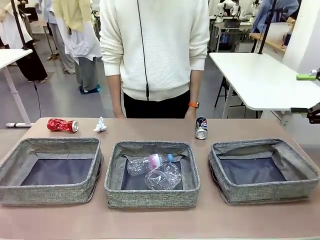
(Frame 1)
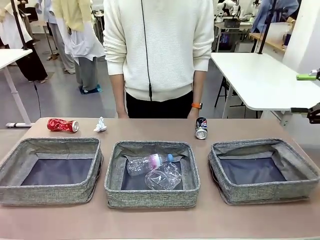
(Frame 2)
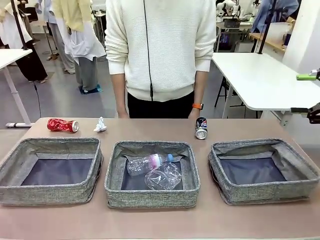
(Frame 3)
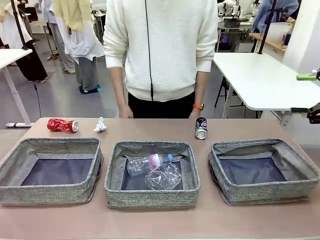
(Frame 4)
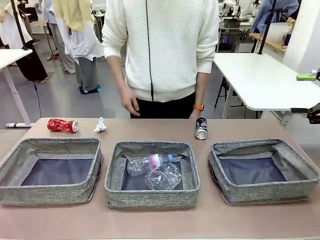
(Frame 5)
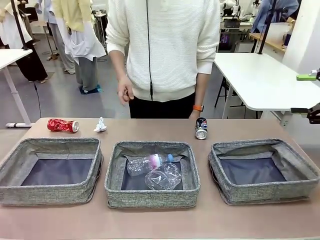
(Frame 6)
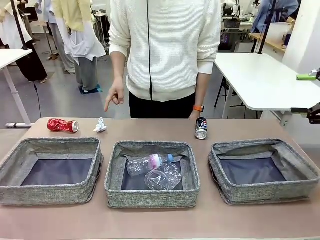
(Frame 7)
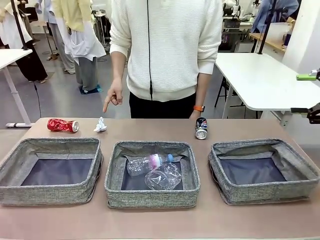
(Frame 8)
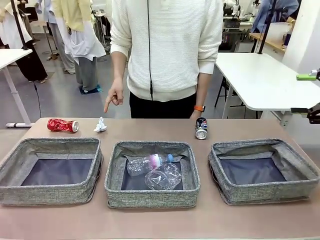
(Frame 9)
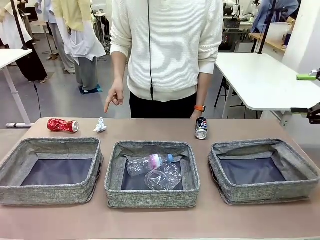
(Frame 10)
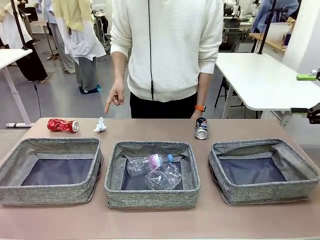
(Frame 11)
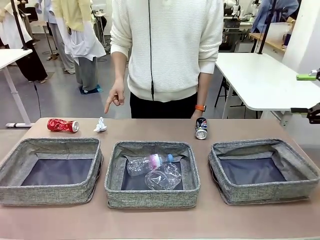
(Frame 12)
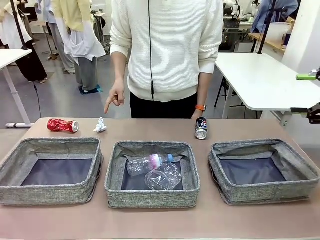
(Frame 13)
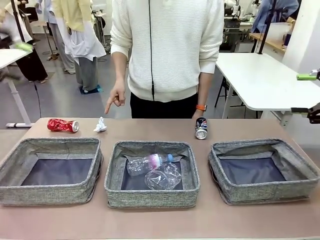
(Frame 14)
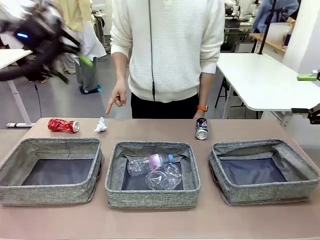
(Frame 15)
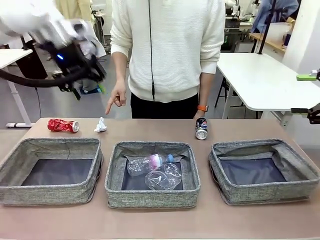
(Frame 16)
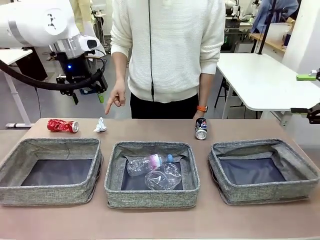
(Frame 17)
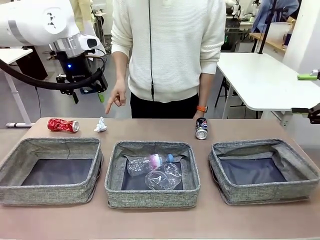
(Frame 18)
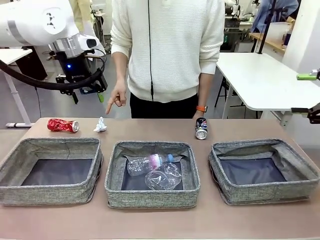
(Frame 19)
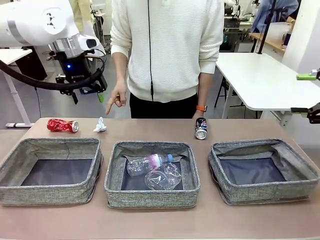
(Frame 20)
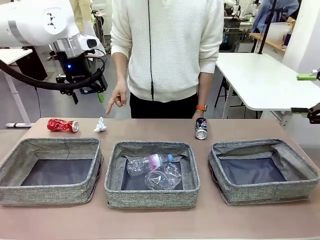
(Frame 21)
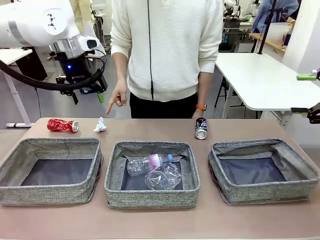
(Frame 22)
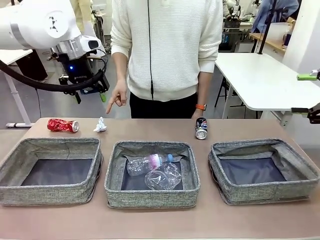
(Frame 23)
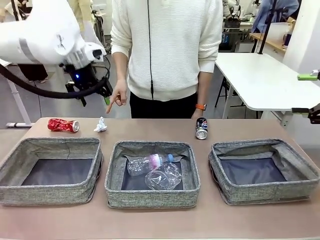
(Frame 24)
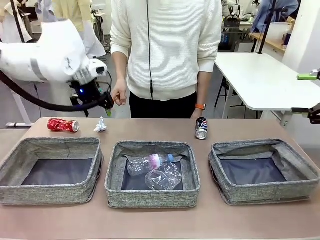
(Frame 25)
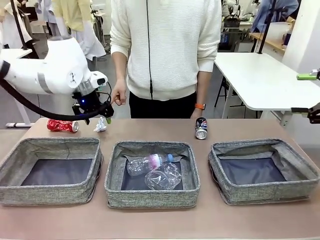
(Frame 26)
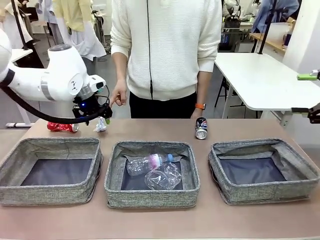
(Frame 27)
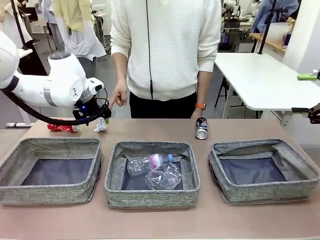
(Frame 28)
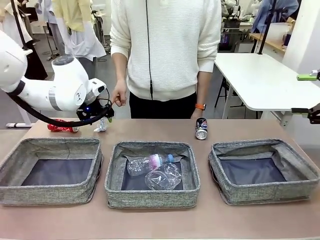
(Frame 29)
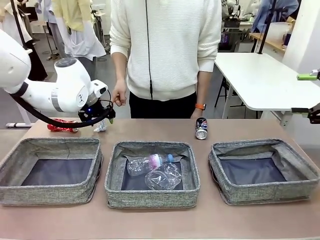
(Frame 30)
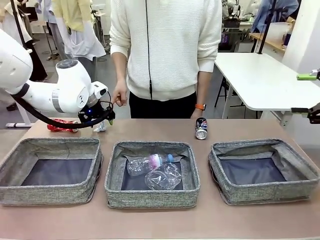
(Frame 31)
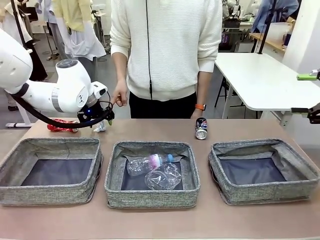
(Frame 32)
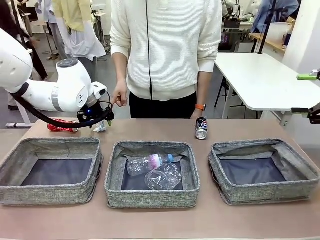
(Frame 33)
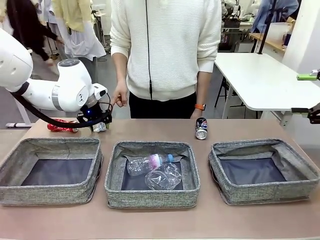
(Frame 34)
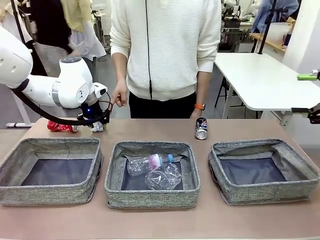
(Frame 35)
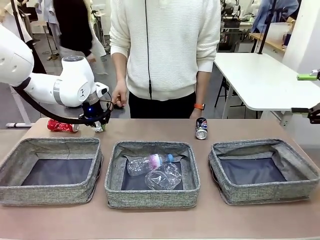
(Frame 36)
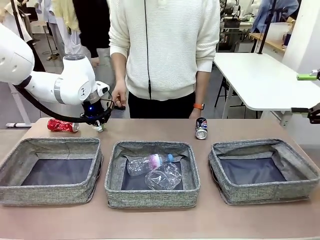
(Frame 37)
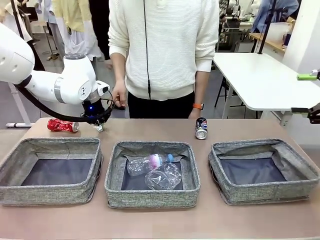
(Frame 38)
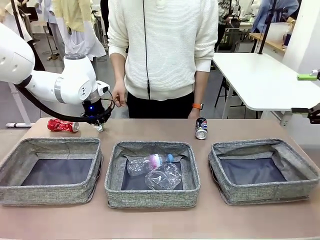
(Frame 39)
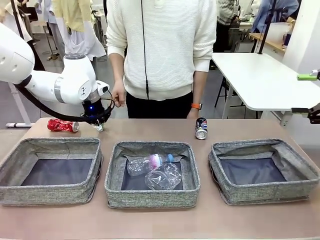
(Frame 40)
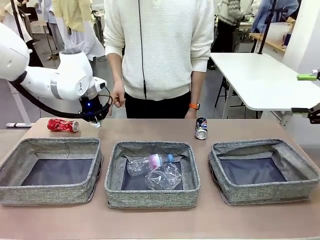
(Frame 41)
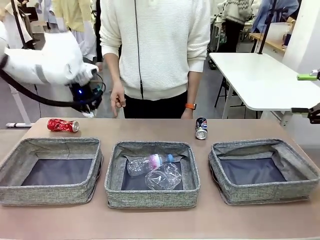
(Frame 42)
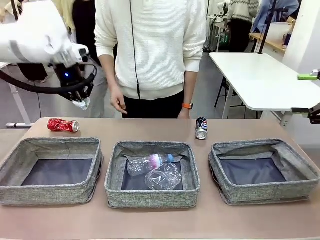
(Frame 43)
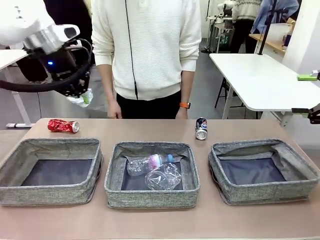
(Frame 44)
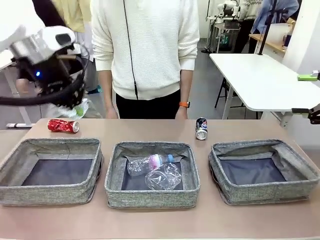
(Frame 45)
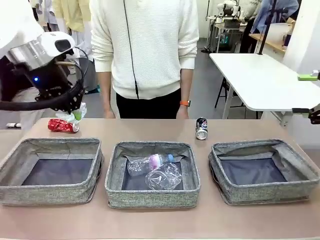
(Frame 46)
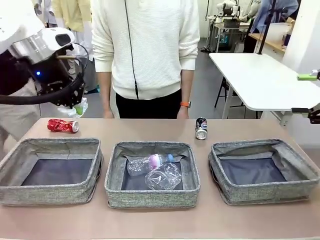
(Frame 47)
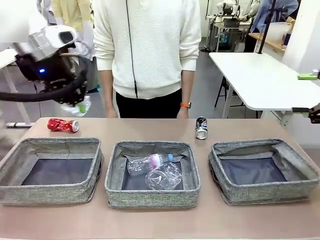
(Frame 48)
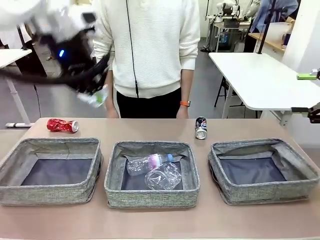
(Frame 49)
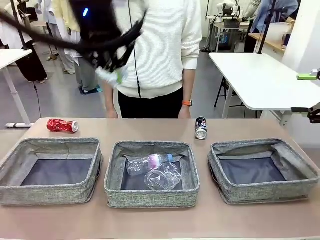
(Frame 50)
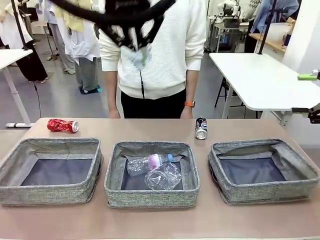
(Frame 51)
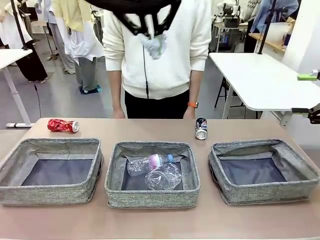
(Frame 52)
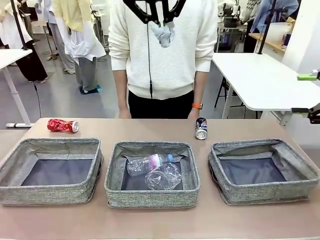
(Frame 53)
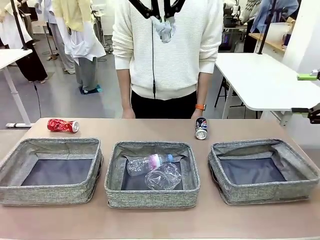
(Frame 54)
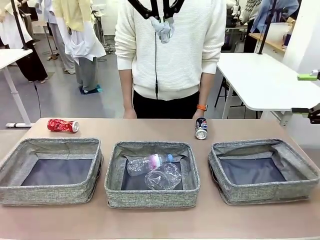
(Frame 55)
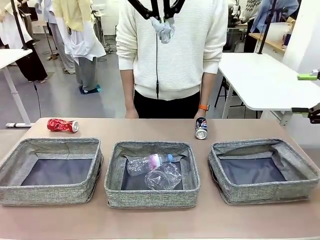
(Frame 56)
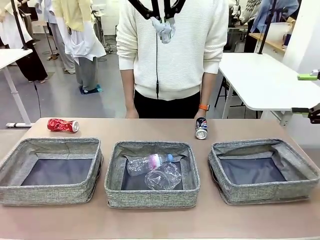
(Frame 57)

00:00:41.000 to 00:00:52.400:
Task: Sort the waste into the appropriate baskets.
Robot: Pick up the waste item pointed out by the person.
Person: Points to one piece of trash on the table.

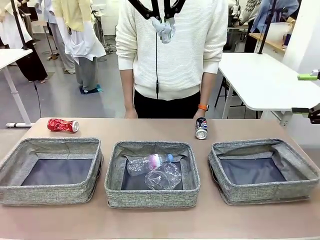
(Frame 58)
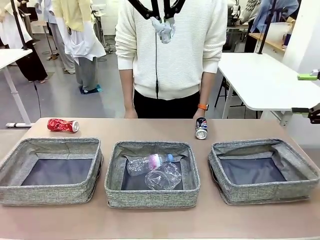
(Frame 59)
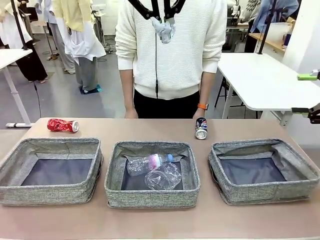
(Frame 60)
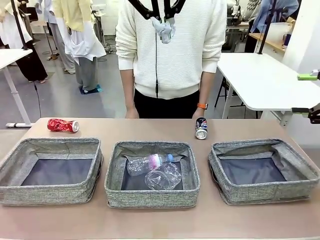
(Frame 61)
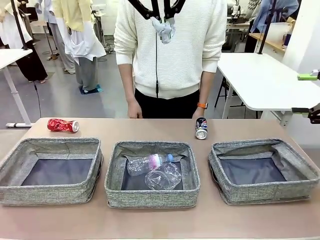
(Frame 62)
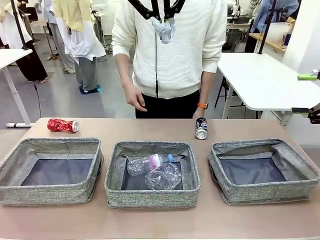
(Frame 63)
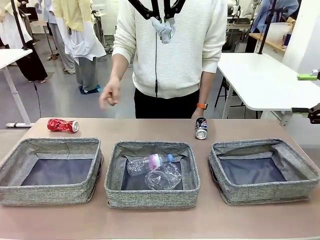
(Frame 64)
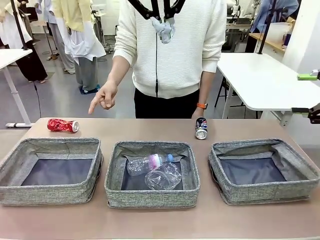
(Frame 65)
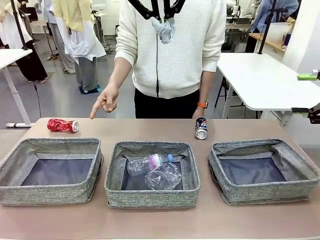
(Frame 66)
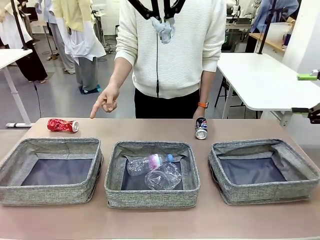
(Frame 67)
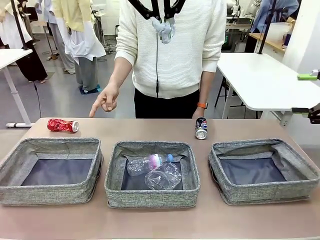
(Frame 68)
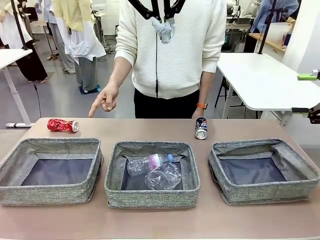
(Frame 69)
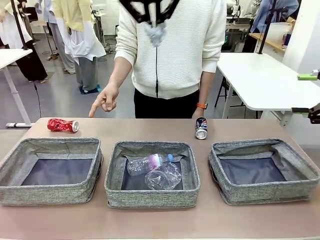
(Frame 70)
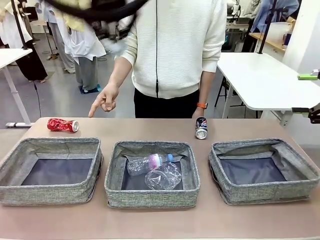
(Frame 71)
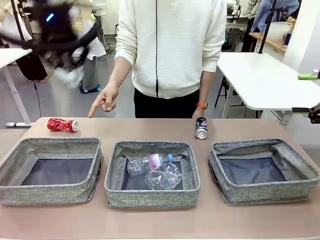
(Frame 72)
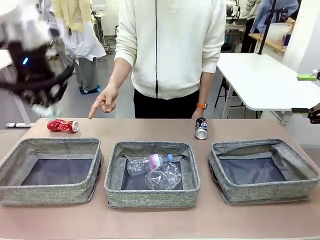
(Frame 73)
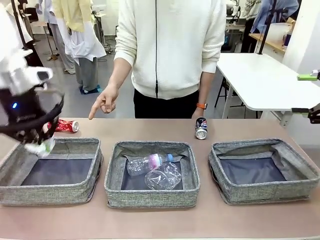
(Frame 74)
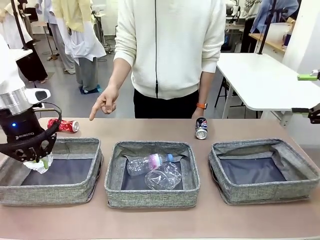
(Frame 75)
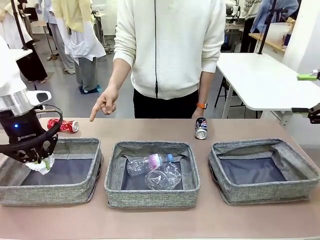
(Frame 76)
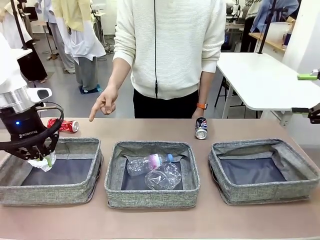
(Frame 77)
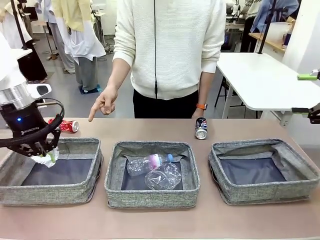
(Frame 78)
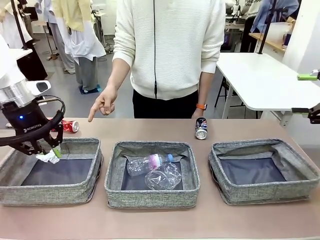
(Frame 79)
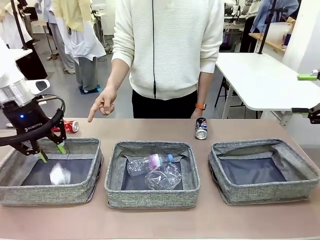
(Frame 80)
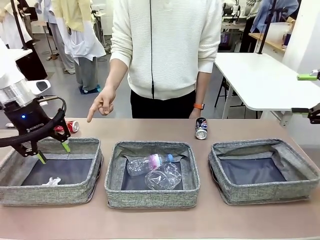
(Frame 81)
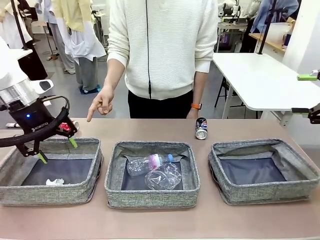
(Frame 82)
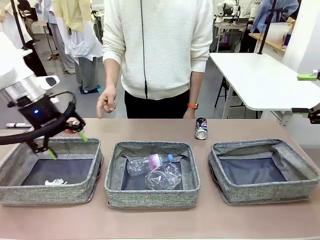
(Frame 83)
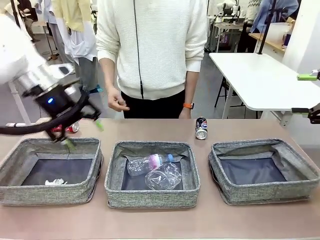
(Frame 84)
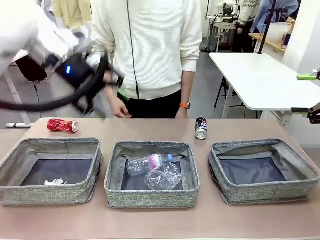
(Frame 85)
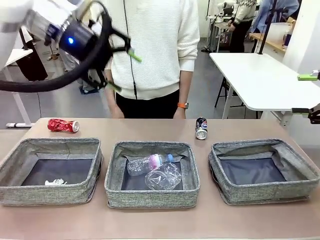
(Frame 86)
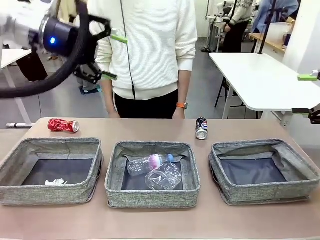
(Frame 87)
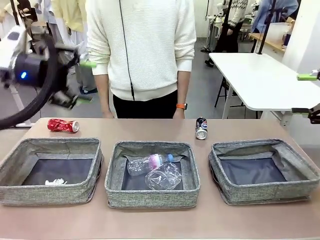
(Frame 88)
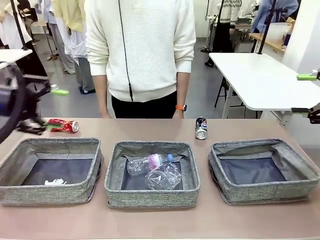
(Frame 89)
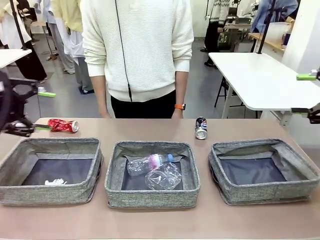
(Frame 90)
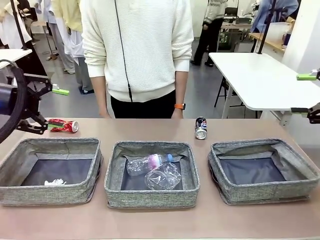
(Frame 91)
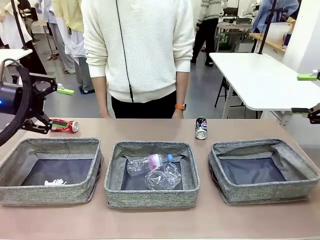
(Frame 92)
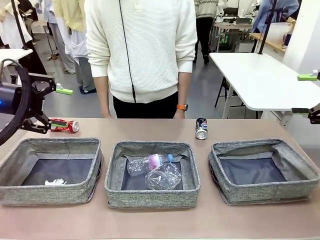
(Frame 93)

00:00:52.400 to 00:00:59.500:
Robot: Place the picked waste into the Fabric basket indicated by the person.
Person: Instructs the robot to place the picked-up trash into the appropriate organizing basket.

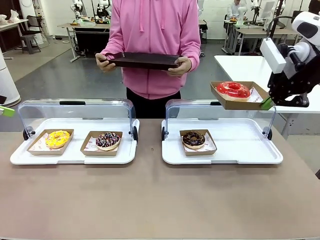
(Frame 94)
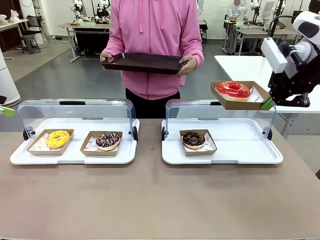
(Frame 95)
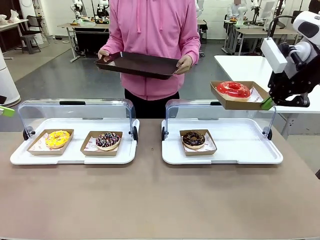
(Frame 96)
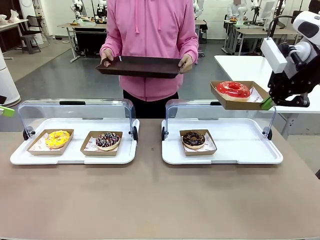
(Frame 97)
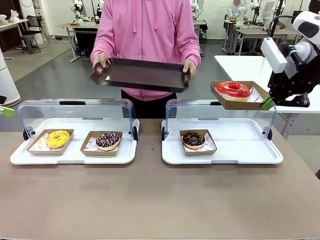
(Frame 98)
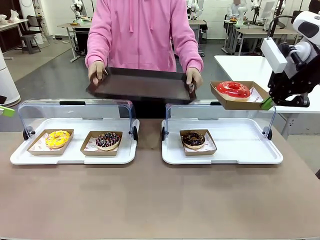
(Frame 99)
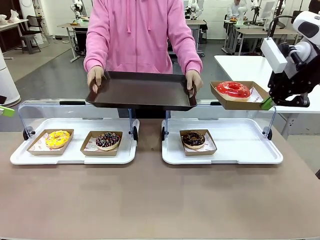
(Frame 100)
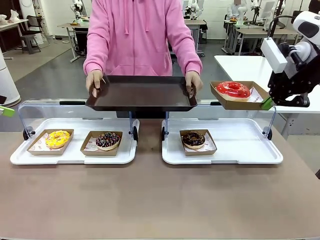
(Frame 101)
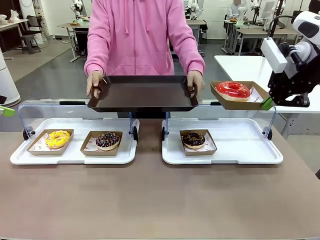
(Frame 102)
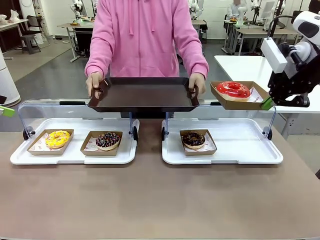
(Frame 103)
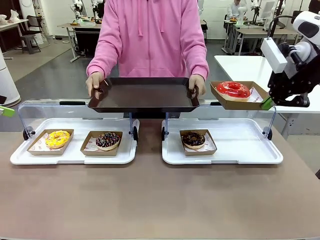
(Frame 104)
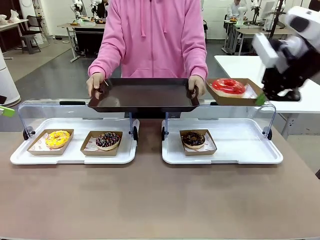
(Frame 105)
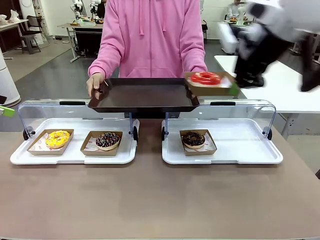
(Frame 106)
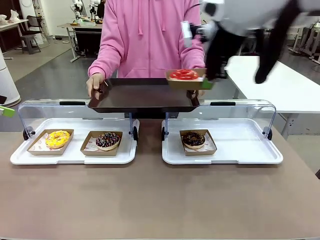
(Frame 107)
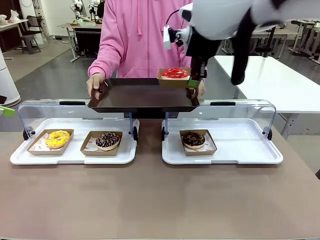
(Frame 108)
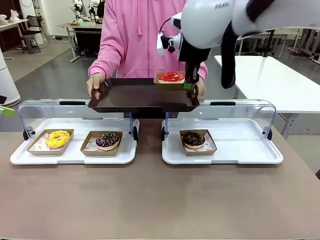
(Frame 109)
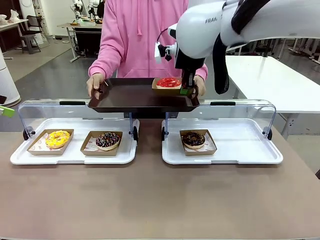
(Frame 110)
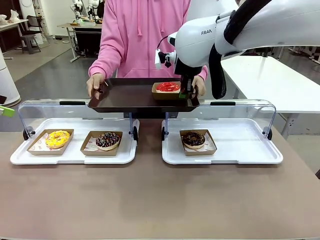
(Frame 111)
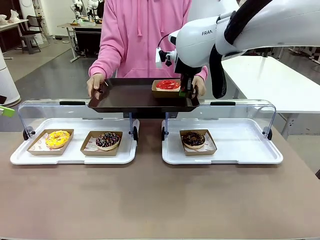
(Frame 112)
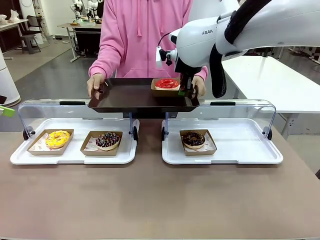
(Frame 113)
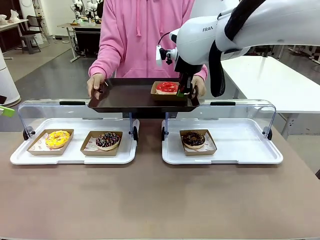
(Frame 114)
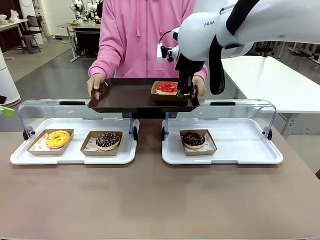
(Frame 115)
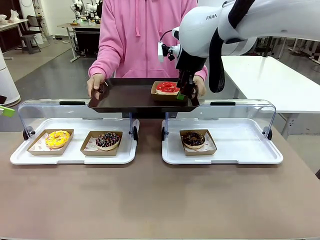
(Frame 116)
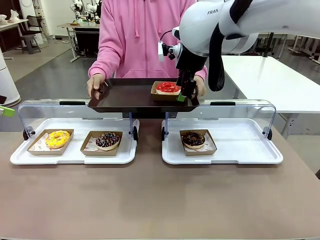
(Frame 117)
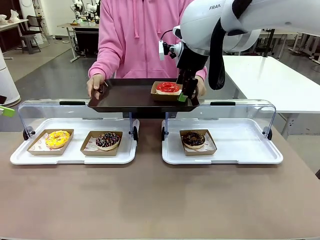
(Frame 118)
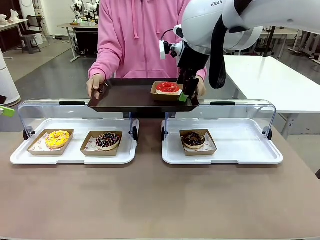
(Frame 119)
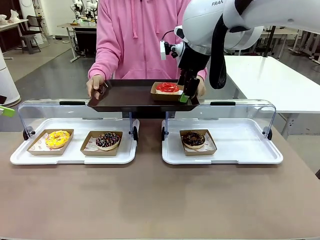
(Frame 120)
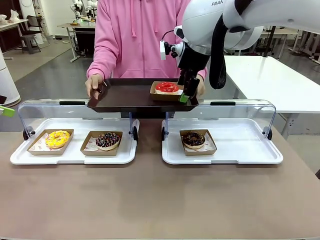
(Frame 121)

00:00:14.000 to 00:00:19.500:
Task: Provide the desired donut to the person.
Robot: Place the picked Paper togo box onto the Handle tray extended by the person.
